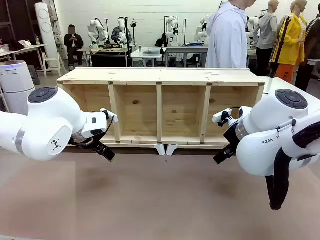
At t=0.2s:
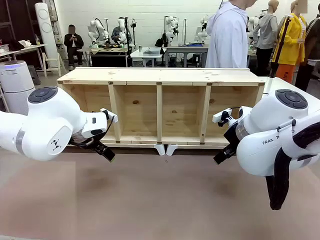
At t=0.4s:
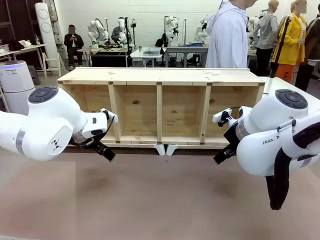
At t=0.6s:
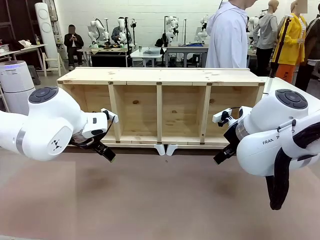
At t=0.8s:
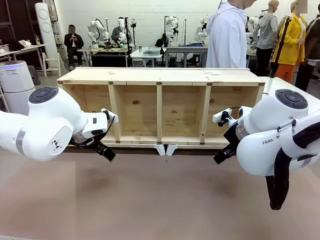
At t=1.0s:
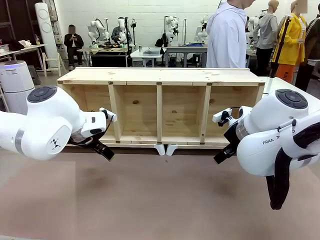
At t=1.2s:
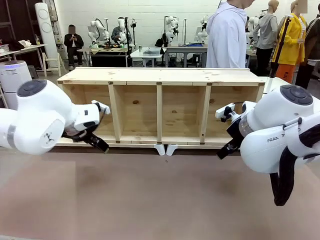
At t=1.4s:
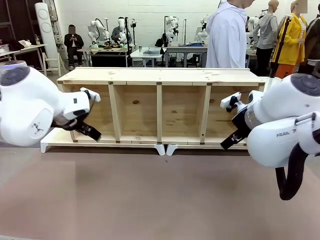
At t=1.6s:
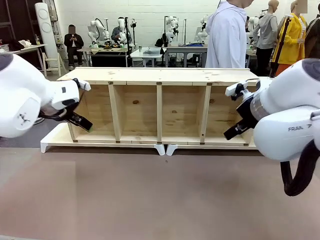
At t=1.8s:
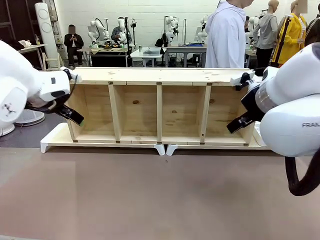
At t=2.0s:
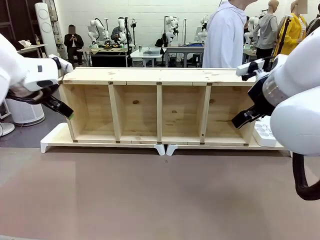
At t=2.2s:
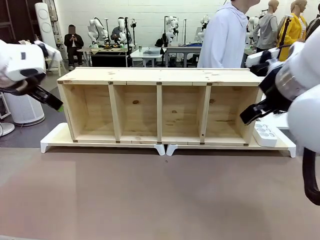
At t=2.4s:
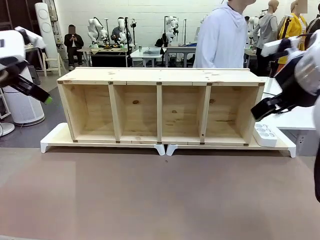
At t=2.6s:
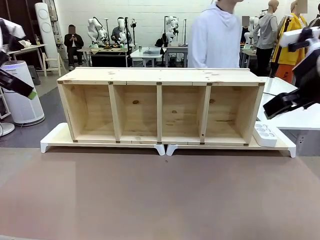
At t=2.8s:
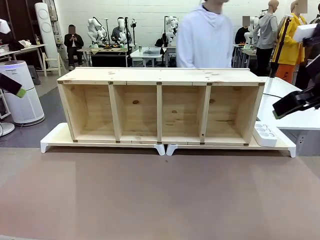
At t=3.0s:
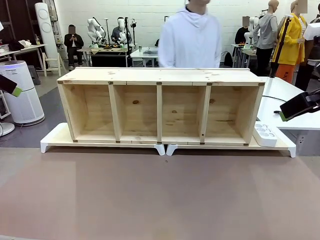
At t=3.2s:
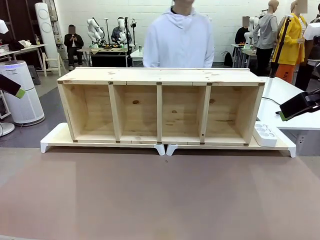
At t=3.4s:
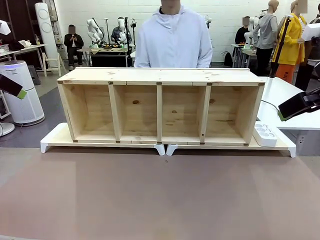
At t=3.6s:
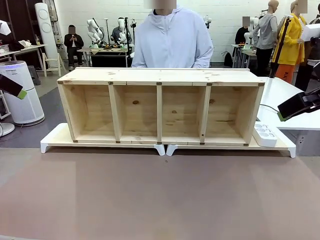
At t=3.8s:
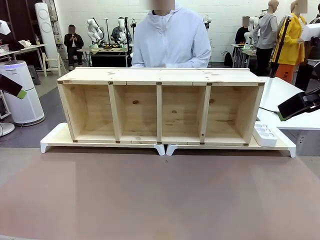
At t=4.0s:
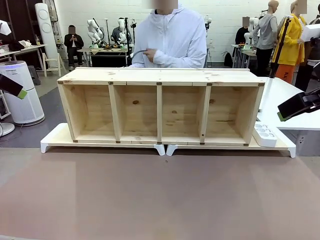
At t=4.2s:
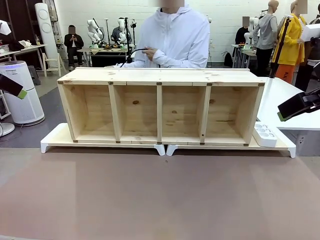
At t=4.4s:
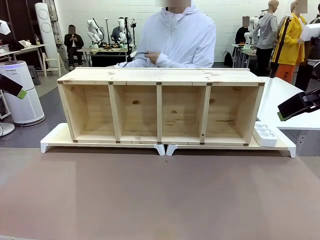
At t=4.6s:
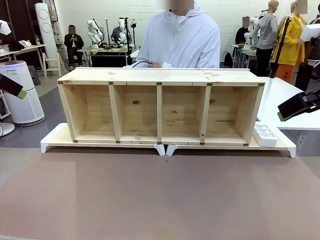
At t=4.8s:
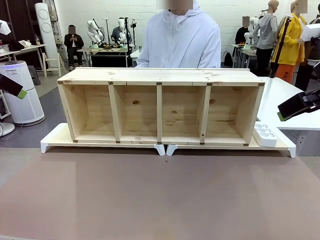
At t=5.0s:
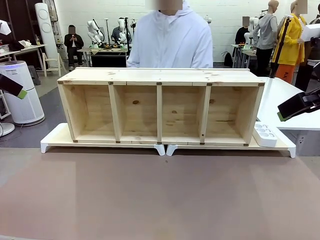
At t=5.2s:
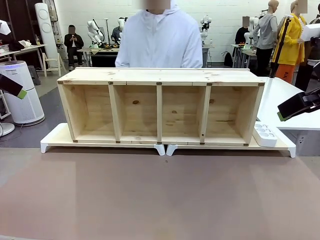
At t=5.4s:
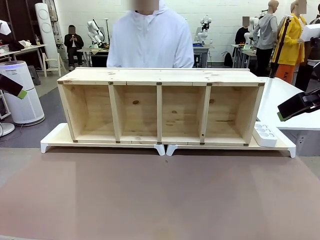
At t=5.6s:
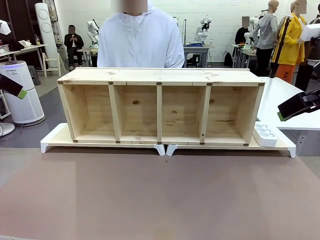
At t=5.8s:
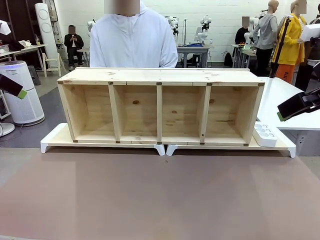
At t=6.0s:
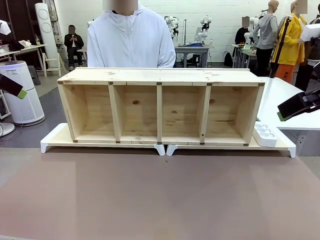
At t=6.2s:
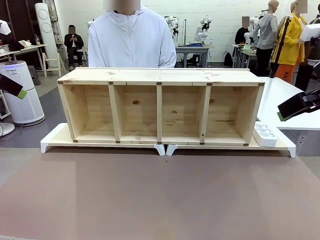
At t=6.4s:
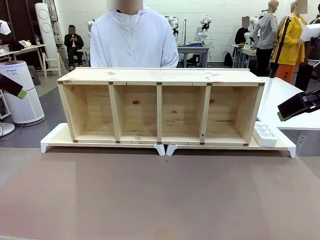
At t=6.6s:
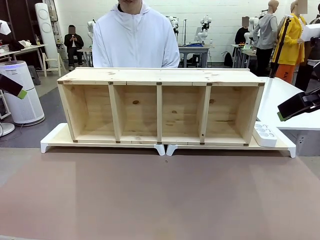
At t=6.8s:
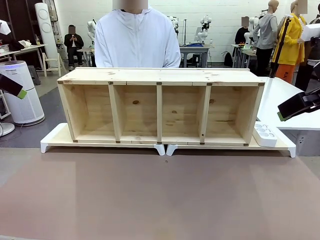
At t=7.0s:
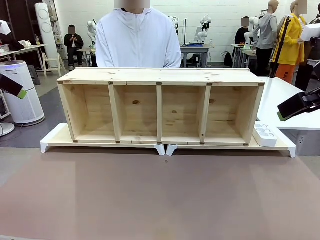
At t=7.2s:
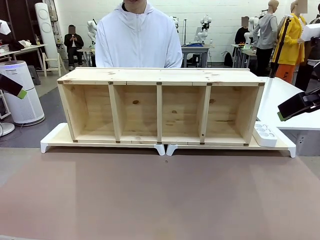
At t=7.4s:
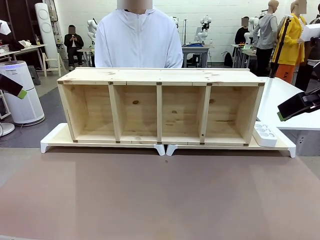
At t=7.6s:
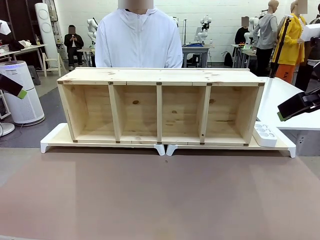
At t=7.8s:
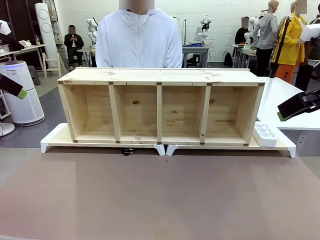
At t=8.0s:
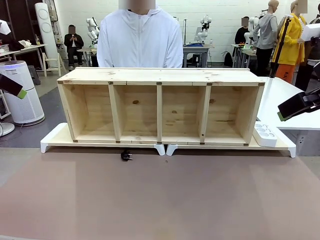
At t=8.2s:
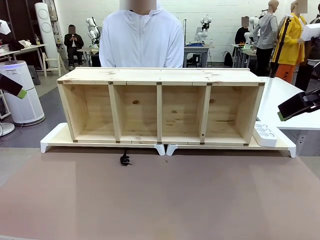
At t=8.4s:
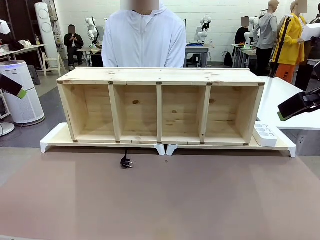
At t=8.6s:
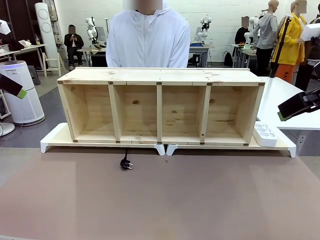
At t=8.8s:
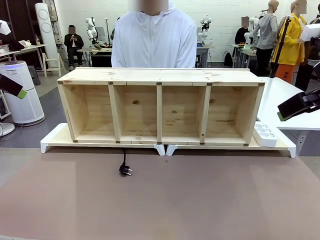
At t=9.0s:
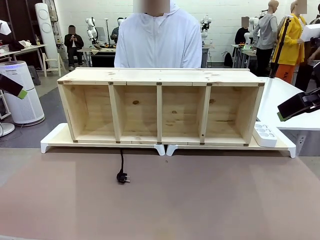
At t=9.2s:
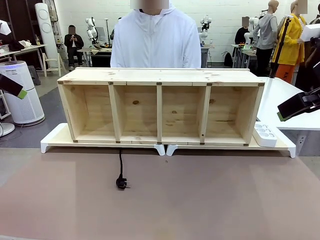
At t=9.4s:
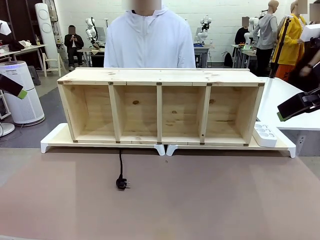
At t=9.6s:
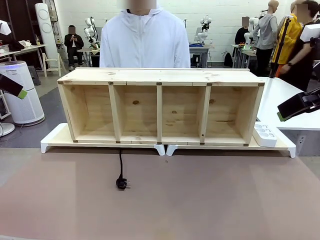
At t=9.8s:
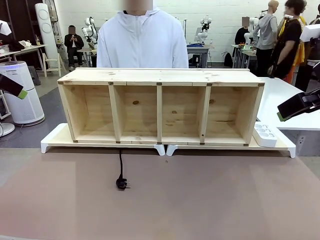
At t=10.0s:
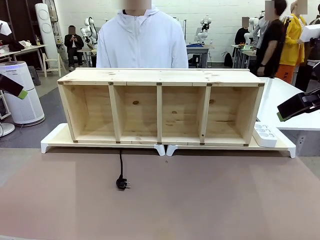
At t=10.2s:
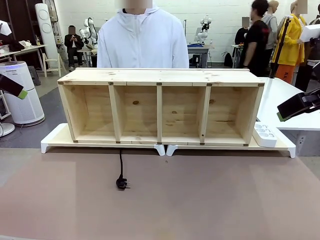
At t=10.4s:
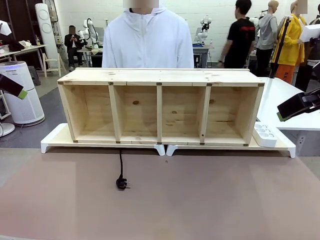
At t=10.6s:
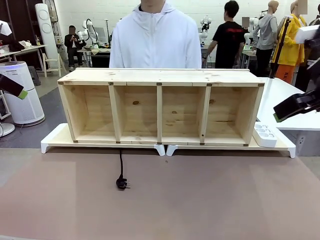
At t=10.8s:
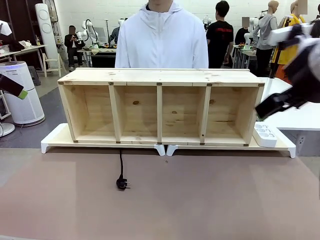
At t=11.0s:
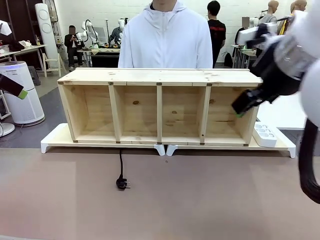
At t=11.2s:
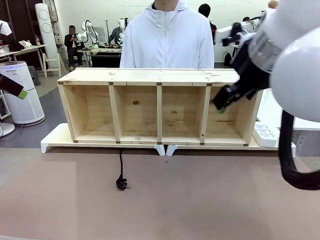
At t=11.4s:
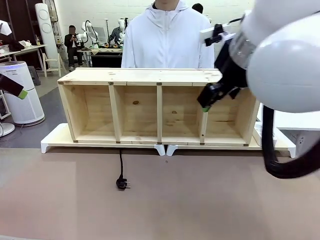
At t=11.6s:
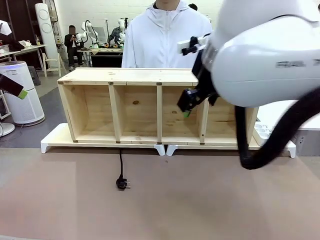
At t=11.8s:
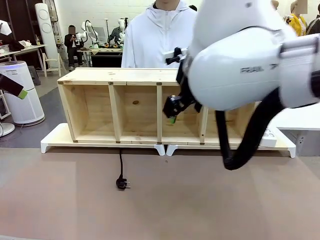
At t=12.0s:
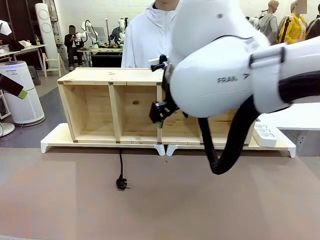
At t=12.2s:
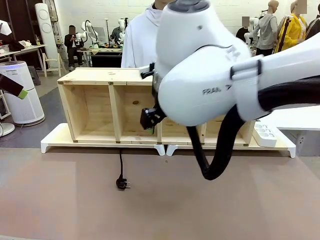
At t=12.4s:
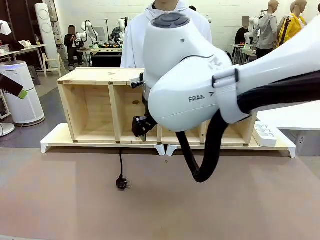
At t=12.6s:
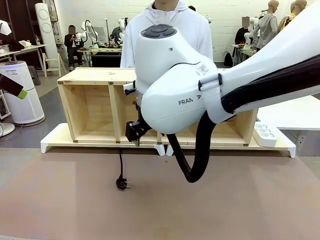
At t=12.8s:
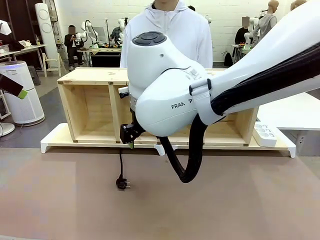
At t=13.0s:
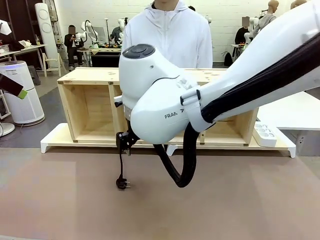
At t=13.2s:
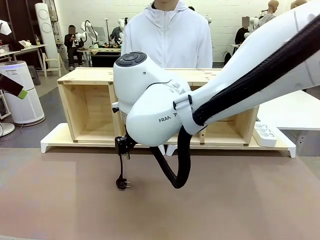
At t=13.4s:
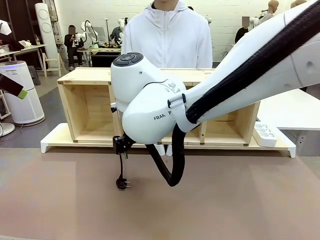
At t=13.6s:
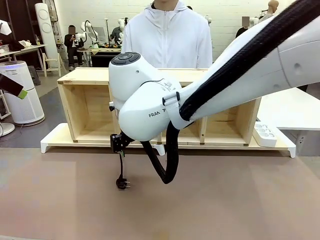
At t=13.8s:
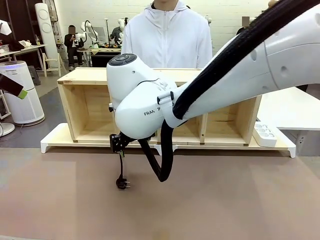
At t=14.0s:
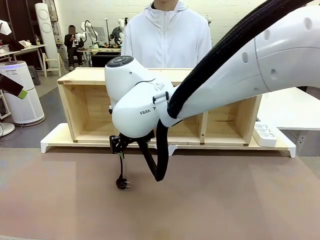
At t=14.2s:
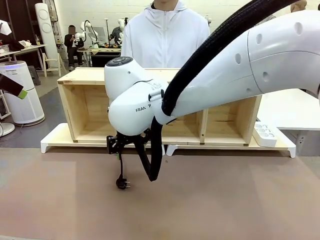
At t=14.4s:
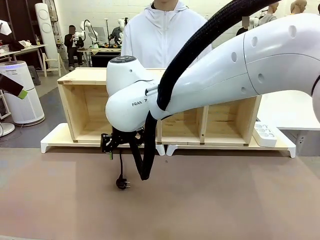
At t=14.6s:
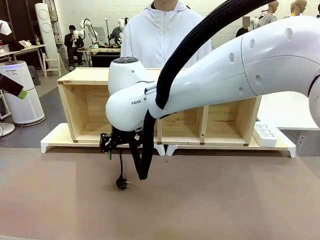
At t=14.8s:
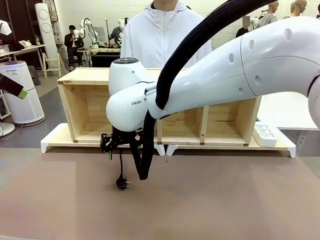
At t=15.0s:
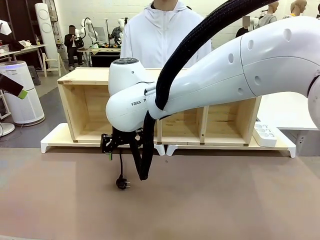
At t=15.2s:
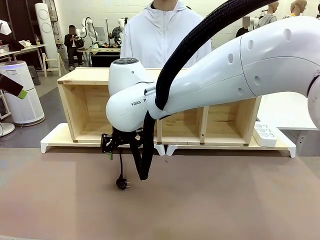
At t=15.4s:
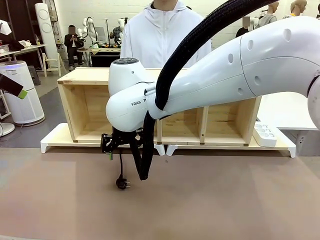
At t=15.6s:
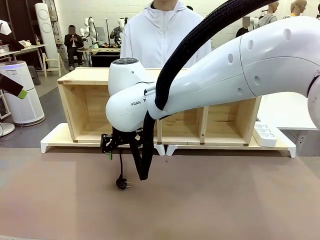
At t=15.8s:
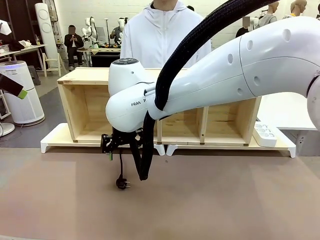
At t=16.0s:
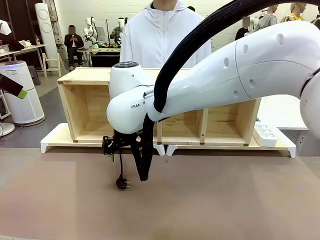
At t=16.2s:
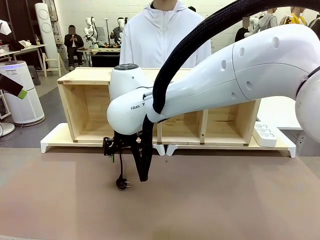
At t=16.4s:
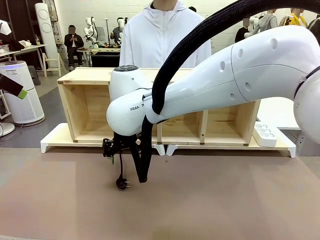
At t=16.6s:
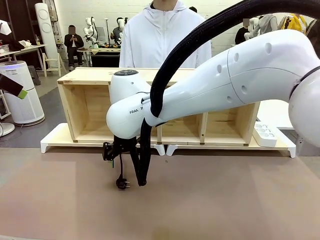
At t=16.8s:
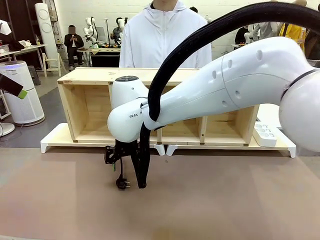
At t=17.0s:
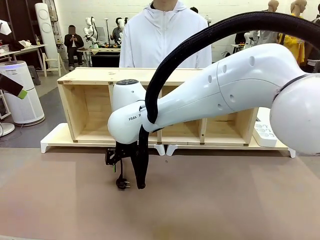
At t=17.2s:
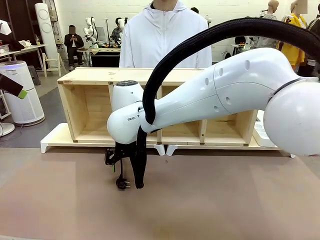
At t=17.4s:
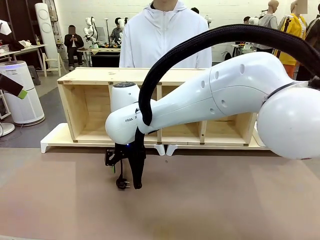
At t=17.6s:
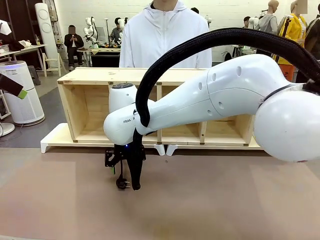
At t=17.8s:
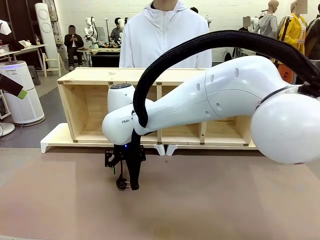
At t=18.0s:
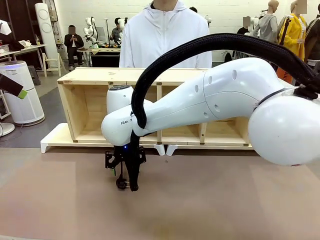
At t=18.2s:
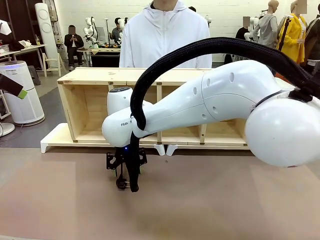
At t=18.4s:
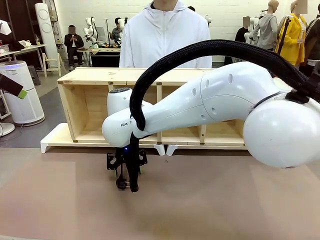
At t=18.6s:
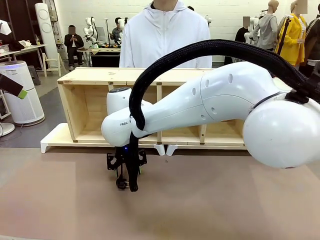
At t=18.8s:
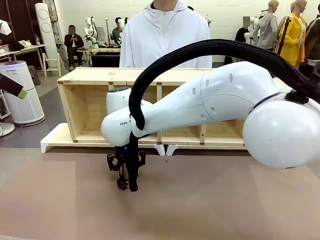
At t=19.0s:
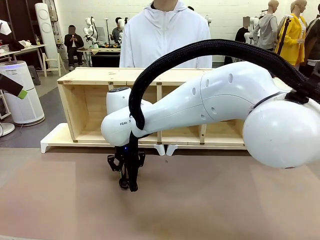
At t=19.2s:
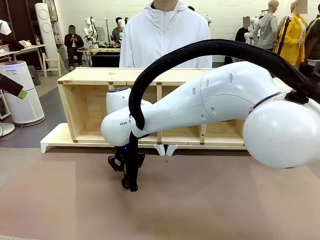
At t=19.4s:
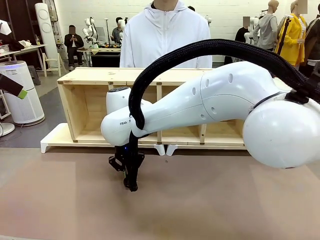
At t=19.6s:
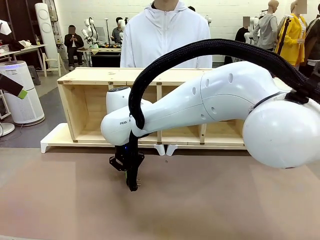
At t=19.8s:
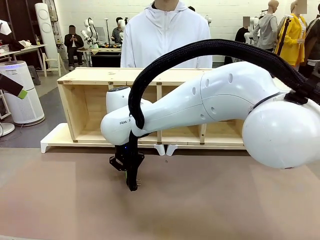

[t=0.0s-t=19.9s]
Task: Perform cable management.
Robot: When the cord part of the Power Cable appears at the lower middle area of the table and stops, grasp the cord part of the Power Cable.
Person: Pass the Power Cable under the Serving Table.
